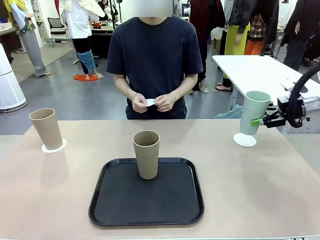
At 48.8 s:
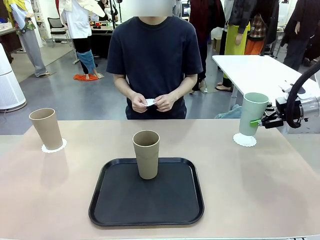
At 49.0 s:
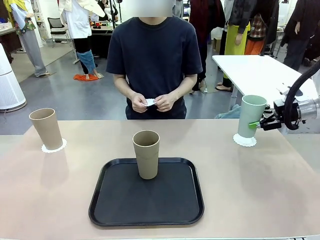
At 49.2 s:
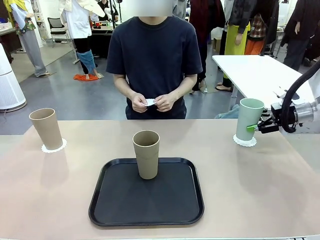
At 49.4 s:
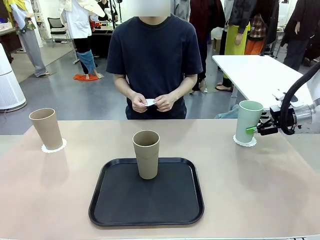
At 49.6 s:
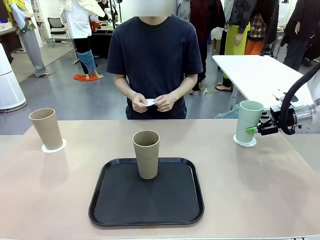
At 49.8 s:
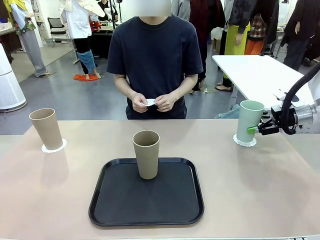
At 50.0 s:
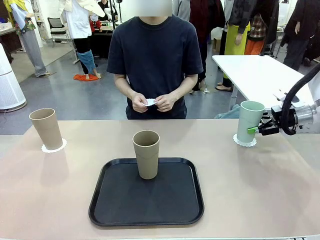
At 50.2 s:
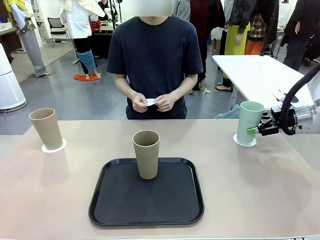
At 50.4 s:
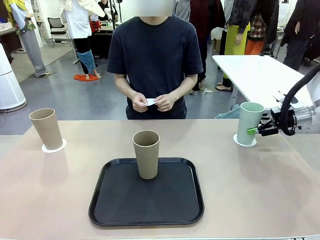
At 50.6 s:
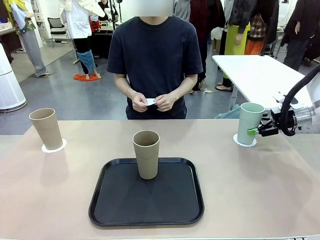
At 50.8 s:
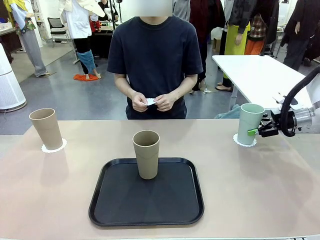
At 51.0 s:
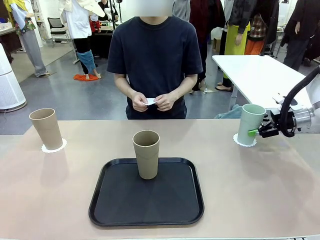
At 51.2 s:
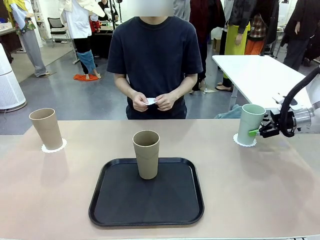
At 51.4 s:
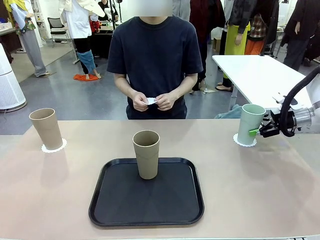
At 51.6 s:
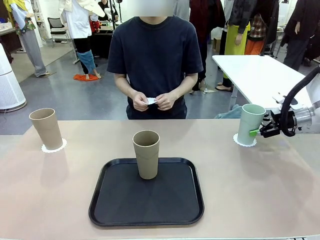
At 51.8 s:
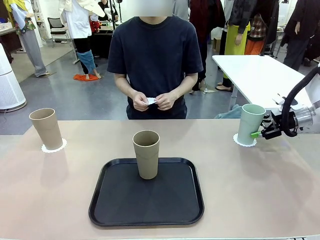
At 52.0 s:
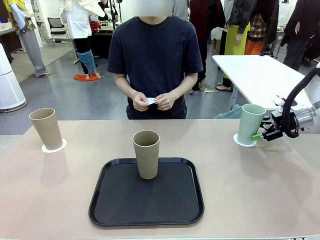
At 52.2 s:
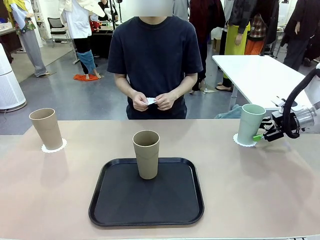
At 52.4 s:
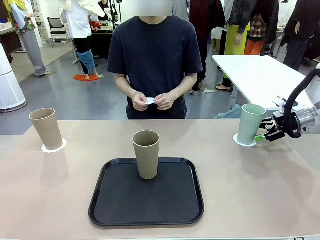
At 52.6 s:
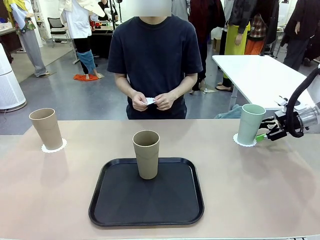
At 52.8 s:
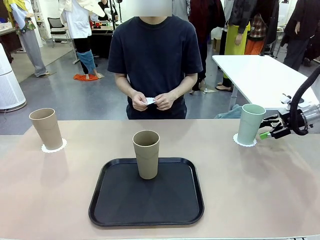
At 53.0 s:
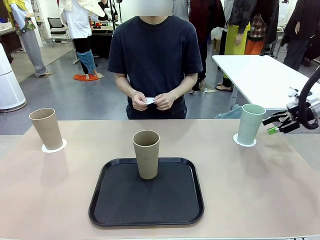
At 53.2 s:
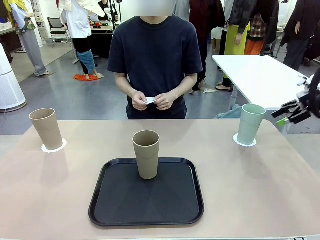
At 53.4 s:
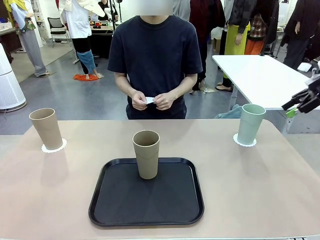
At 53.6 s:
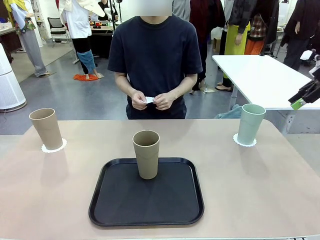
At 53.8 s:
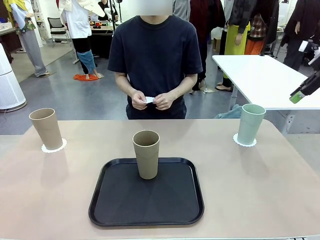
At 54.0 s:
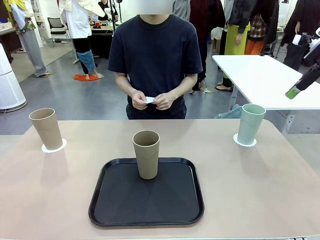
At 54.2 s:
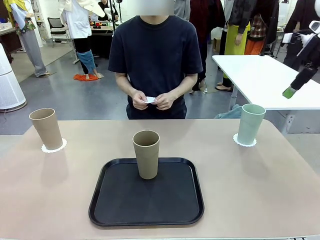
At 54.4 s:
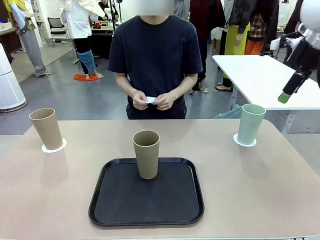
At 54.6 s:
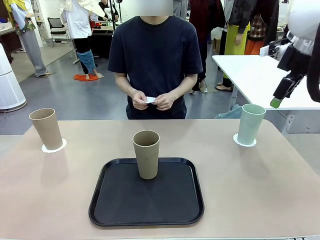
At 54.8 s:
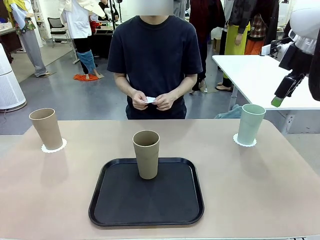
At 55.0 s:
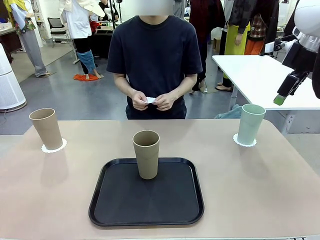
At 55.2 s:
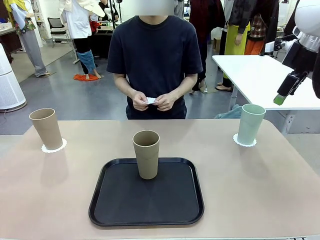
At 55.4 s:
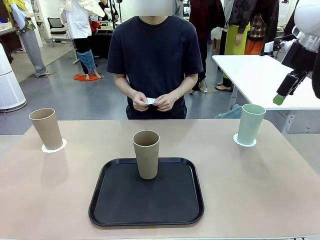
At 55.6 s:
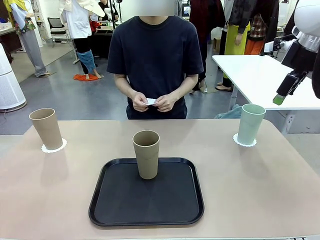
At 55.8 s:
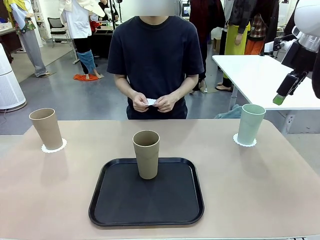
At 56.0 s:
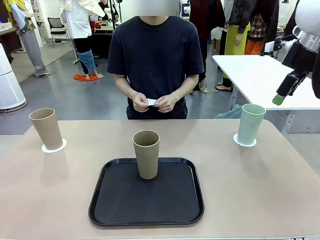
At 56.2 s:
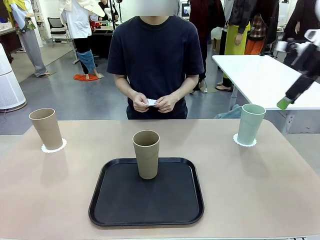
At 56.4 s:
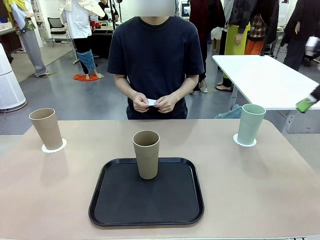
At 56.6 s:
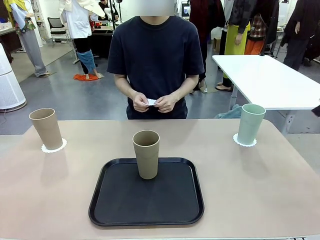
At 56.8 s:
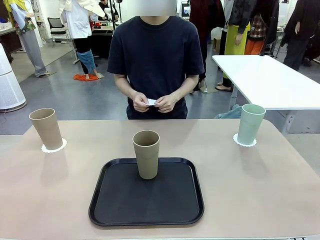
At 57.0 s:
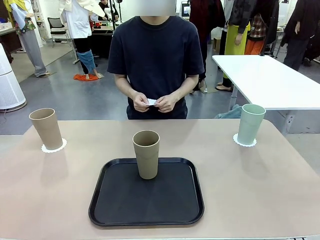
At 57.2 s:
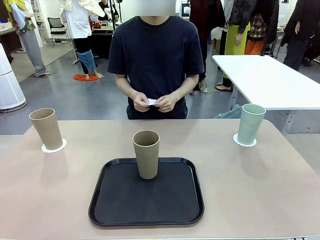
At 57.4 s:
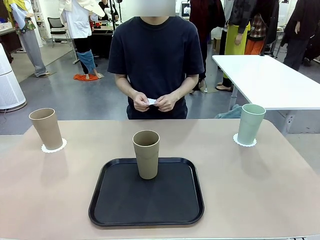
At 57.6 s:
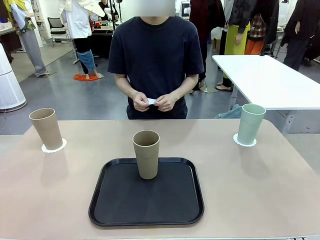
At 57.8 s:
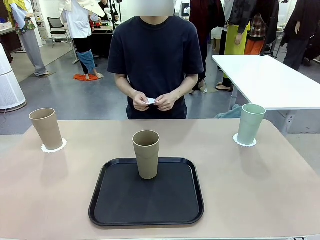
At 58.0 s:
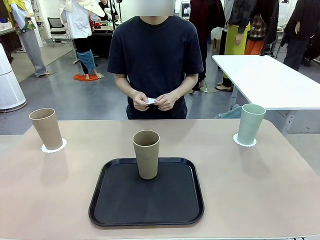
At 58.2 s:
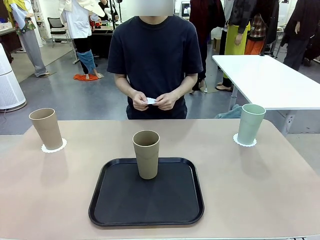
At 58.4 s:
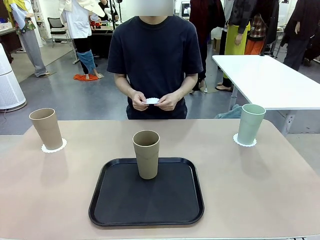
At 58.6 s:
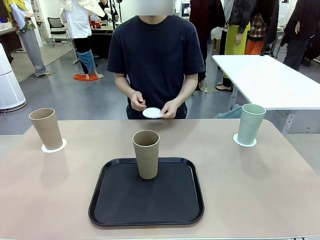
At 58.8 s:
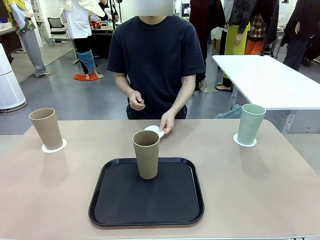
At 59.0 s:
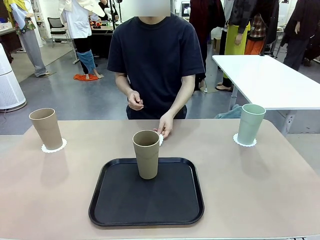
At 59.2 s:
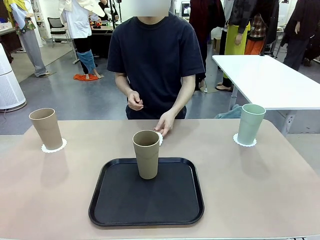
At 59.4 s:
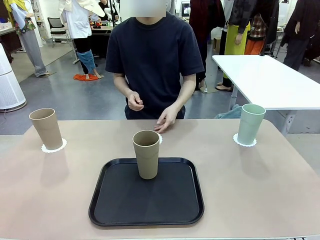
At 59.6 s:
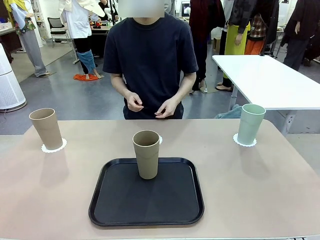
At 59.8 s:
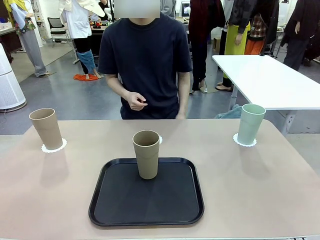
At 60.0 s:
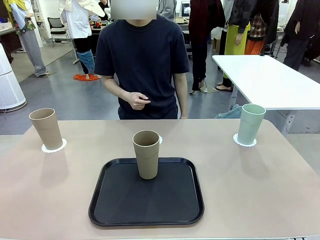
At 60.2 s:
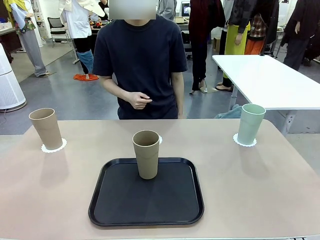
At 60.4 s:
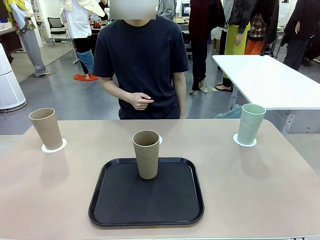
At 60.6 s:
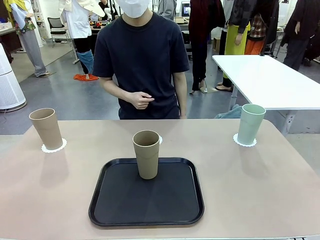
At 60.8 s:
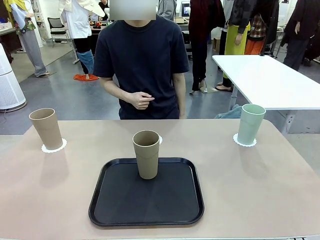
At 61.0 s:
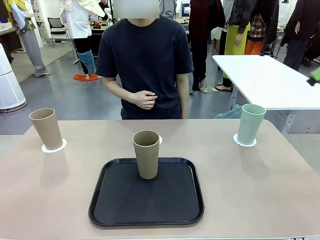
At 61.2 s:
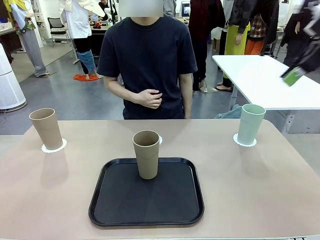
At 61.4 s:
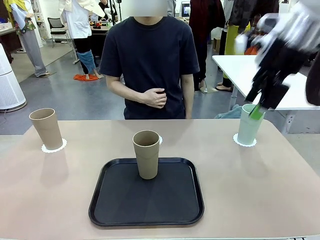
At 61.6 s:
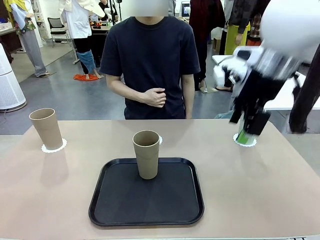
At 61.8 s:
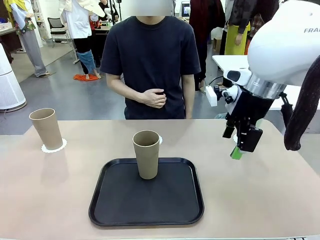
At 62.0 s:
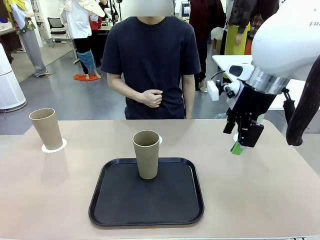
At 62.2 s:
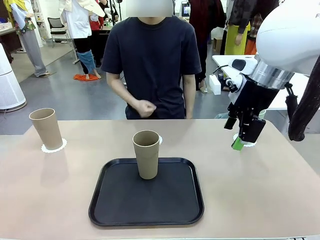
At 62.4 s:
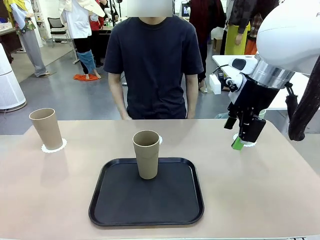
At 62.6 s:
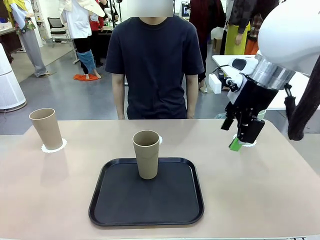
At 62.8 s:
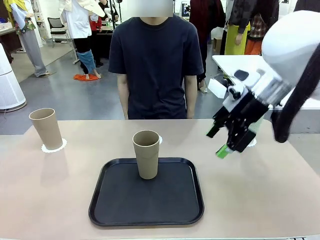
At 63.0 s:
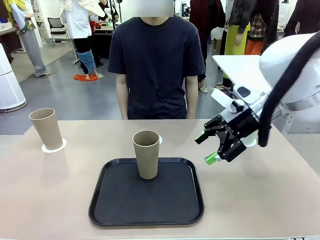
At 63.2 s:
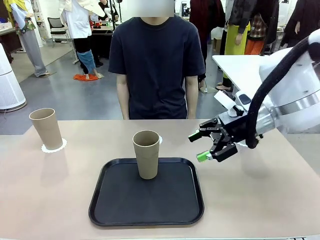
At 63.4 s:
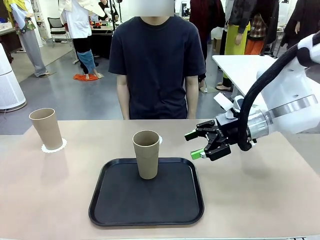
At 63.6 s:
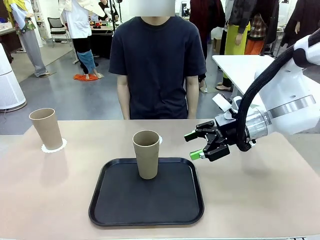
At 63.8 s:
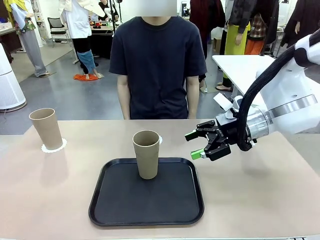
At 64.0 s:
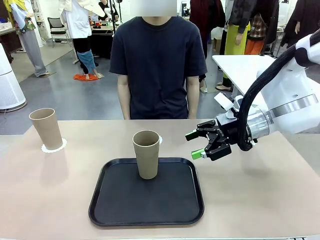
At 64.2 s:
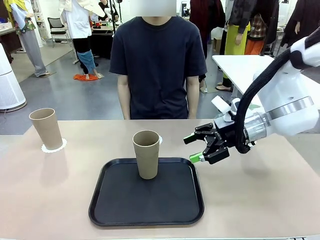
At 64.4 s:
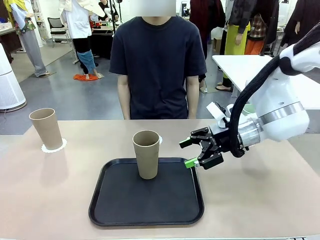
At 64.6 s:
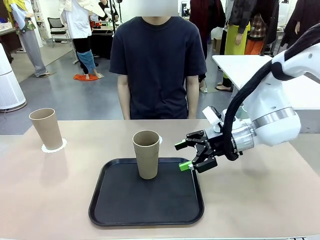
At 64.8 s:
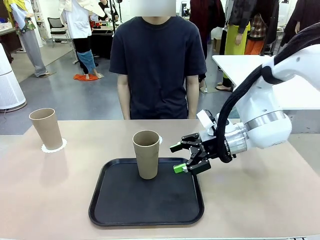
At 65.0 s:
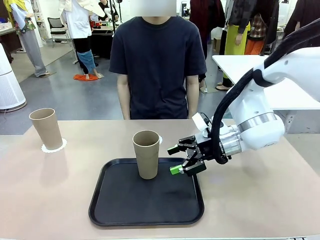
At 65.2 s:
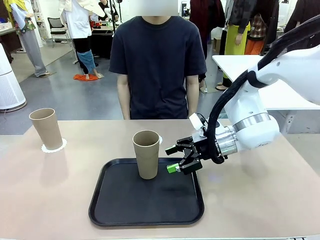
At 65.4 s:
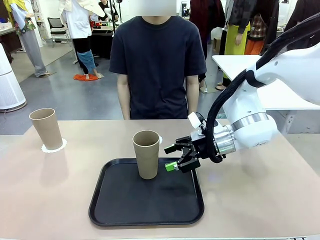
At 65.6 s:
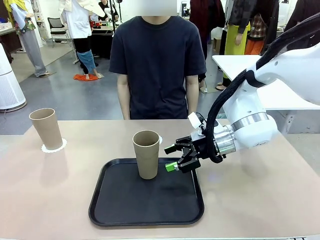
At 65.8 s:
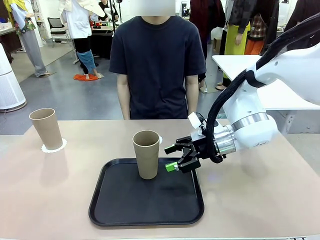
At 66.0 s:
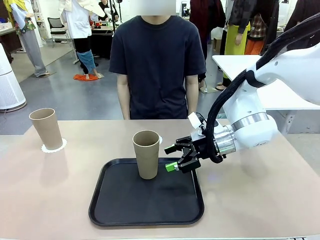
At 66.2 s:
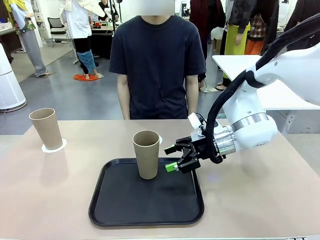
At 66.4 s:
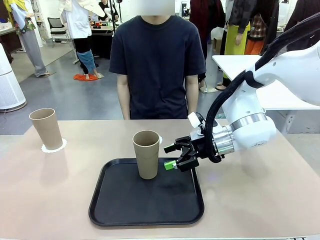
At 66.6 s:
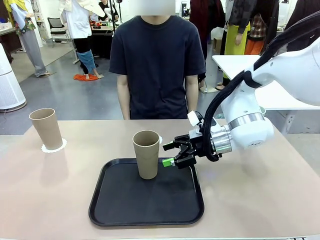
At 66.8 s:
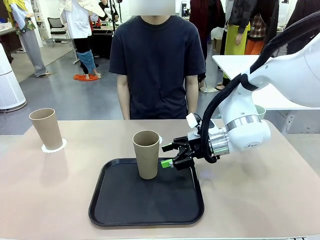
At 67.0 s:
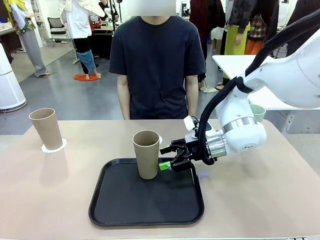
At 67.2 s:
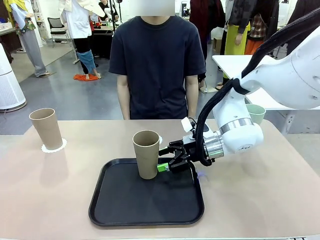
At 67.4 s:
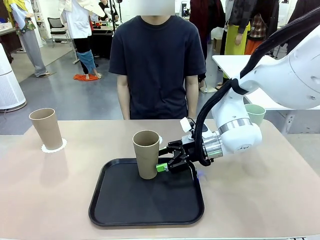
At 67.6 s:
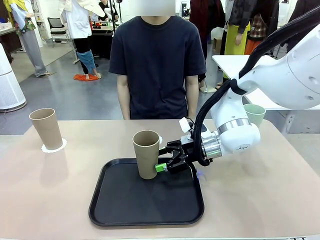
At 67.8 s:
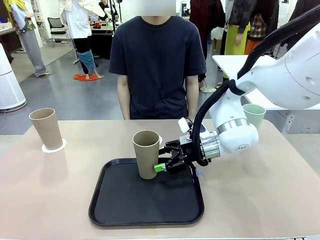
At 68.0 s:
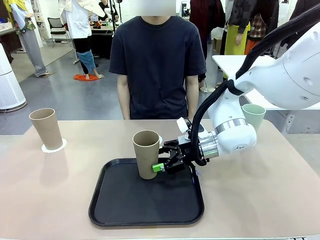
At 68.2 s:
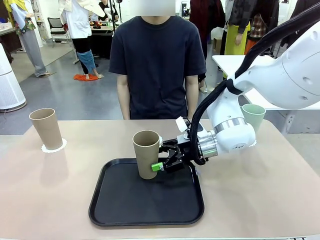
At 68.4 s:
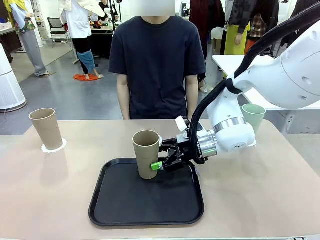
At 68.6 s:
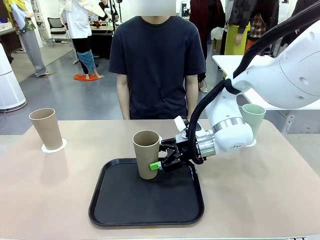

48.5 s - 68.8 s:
Task: Place coasters on the table and set cups on them.
Robot: Take one Reusable plastic cup from the Flat Tray and place it on a coaster set by the human.
